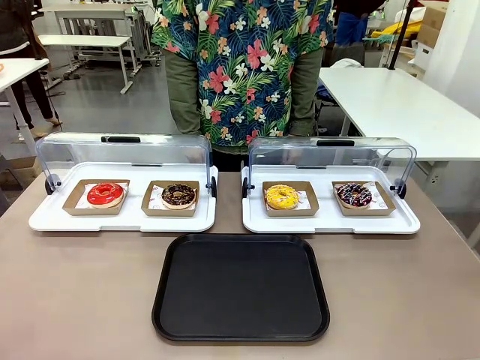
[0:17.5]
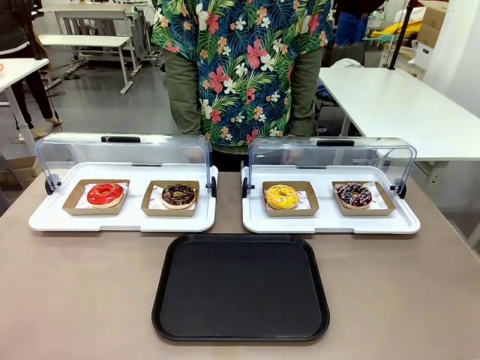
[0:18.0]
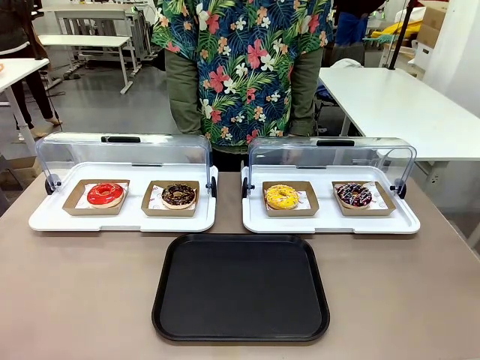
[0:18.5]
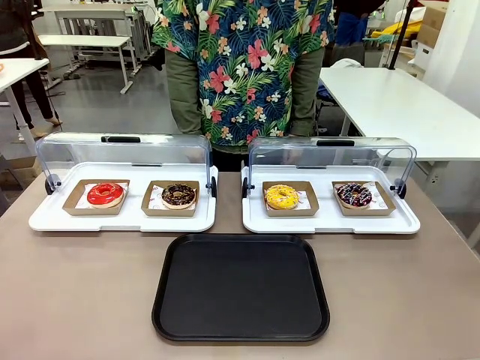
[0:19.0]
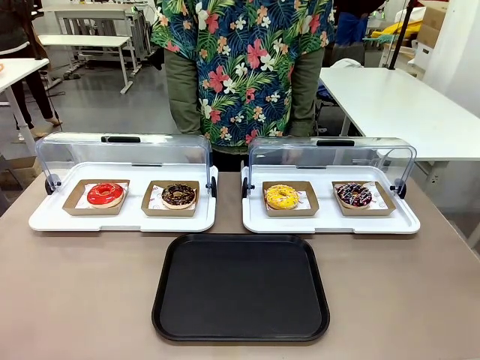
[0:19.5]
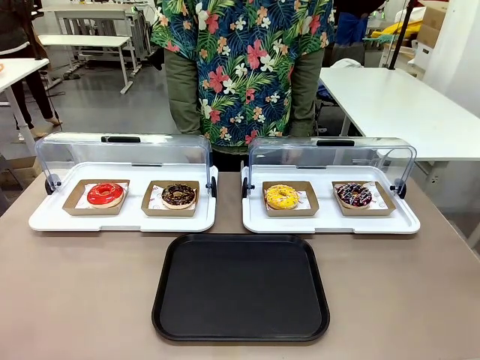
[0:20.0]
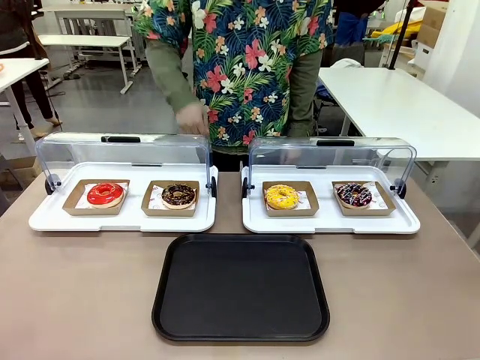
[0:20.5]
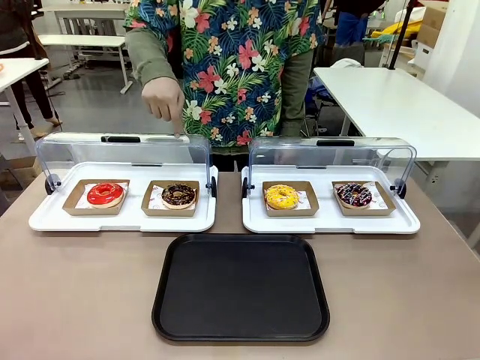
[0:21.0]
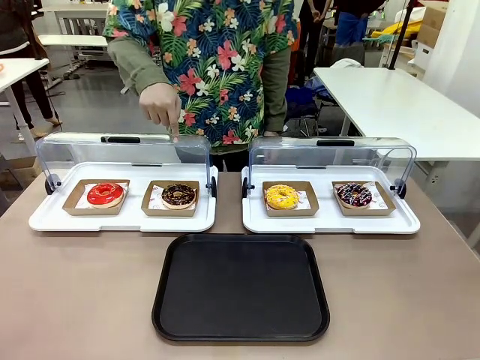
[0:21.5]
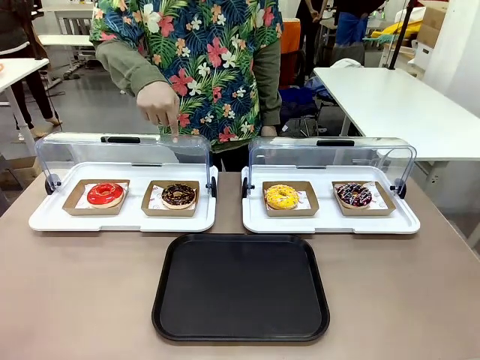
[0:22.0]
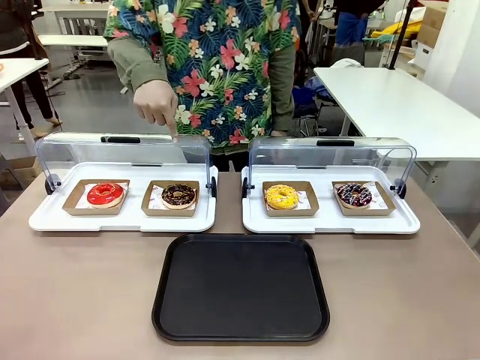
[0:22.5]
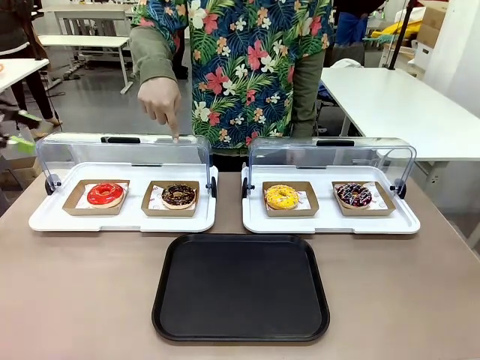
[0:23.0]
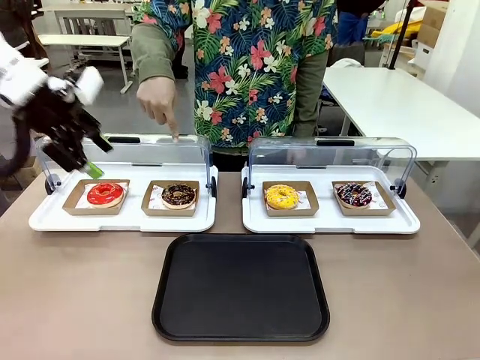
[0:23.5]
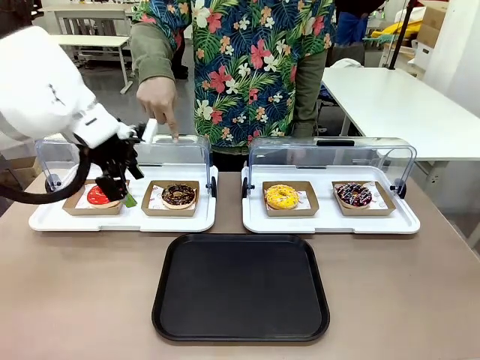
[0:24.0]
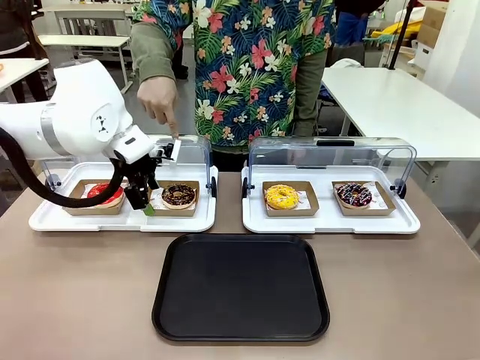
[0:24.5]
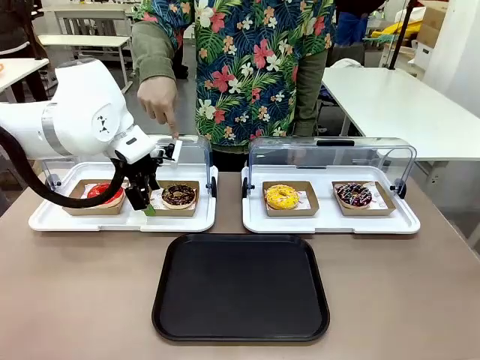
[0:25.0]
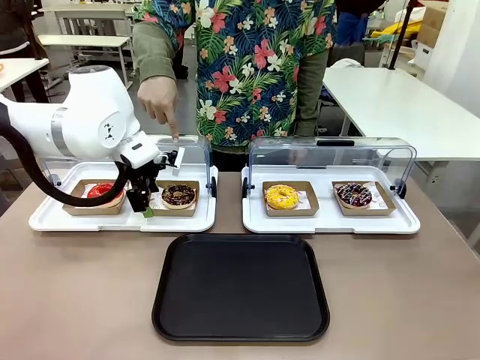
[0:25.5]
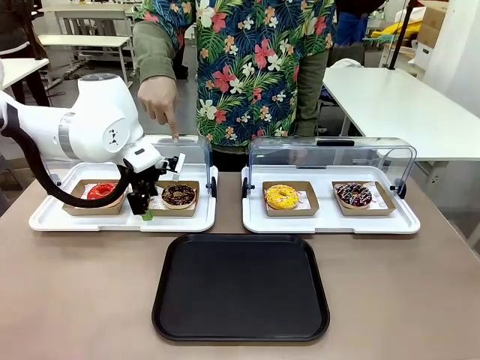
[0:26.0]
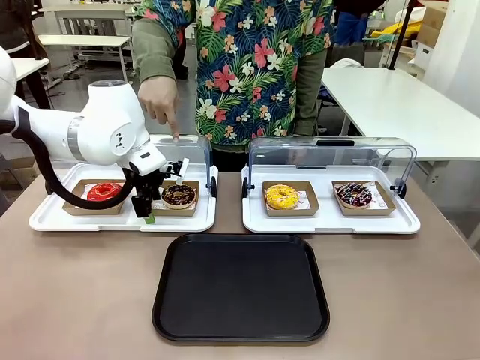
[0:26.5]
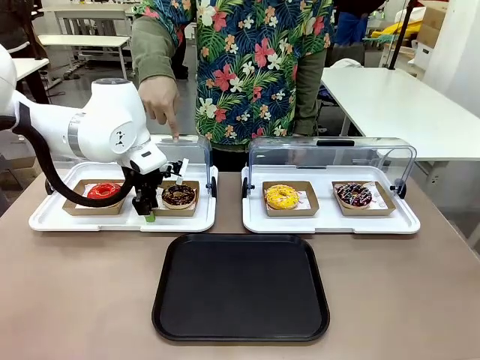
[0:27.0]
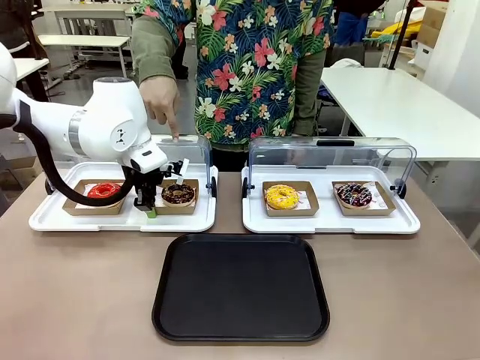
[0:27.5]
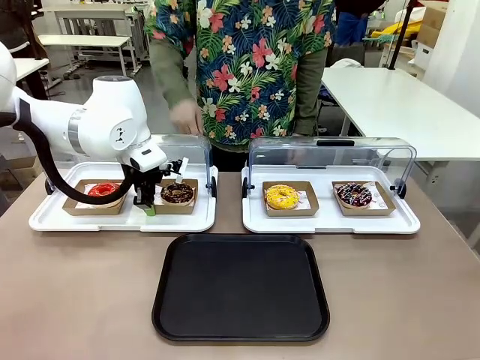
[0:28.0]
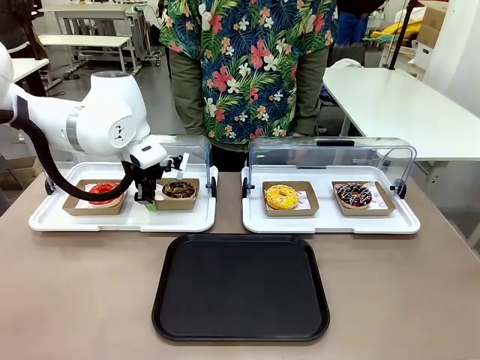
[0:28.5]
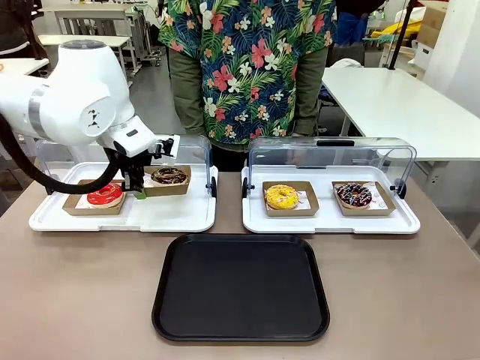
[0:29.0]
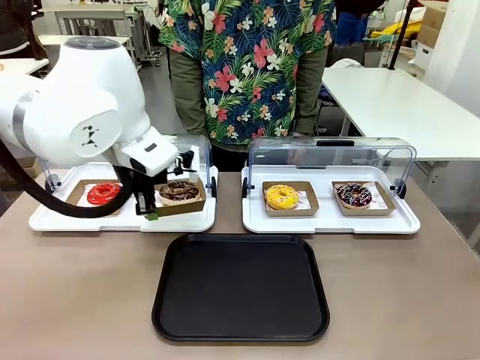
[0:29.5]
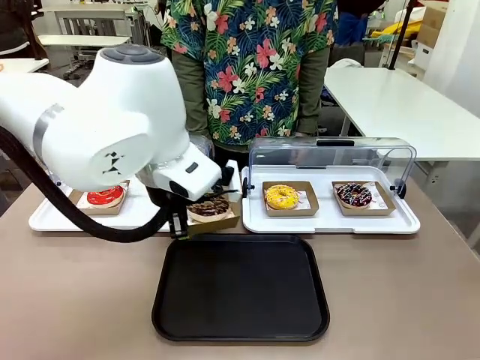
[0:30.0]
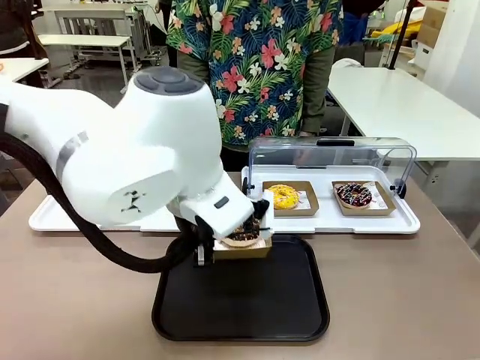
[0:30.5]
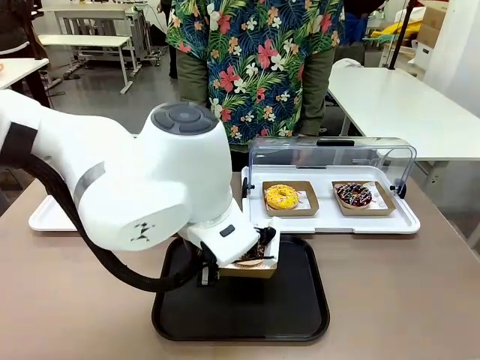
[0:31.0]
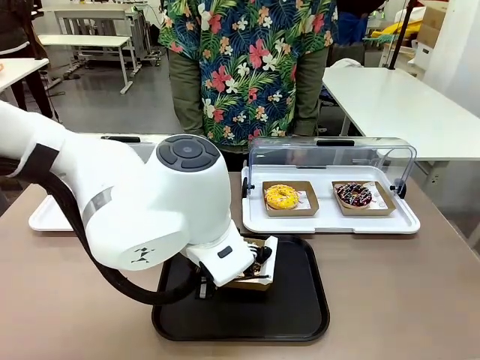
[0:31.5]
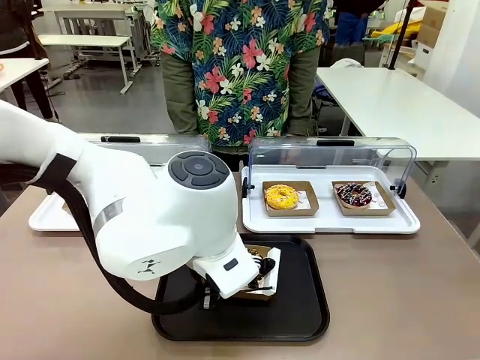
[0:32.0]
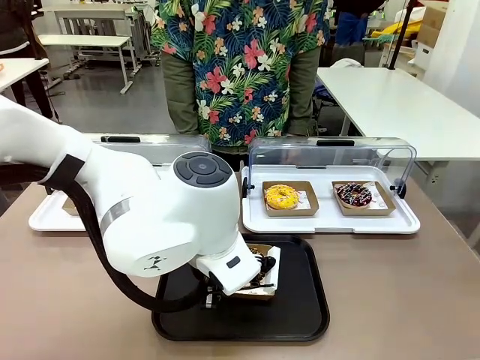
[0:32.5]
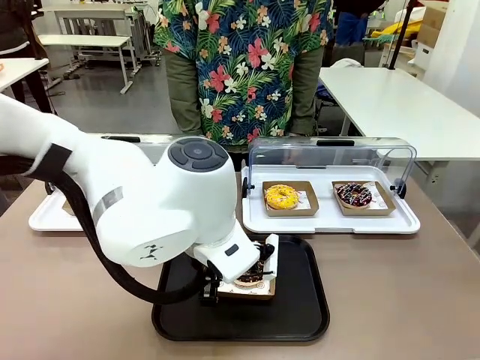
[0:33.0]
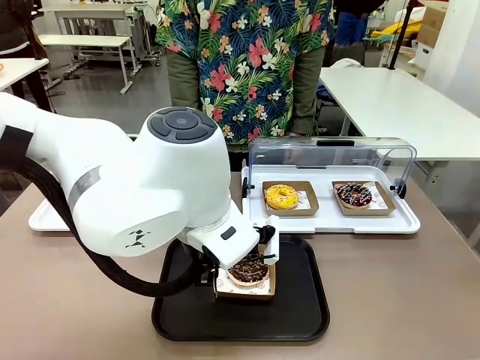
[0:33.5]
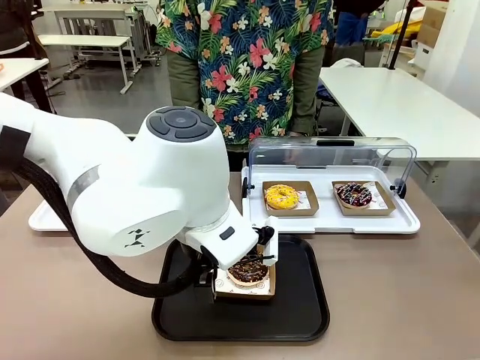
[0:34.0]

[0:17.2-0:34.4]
Task: Move the second donut from the left to the tray.
Robot: Pick up the Paper togo box containing the Donut indicated by the person and place it on the Handle tray.

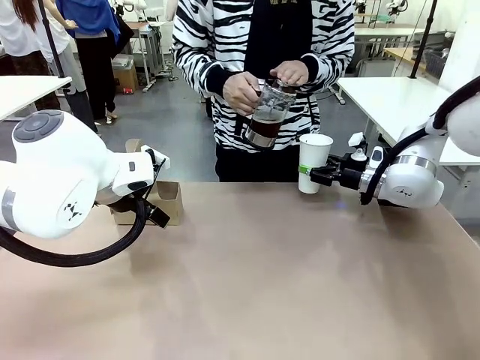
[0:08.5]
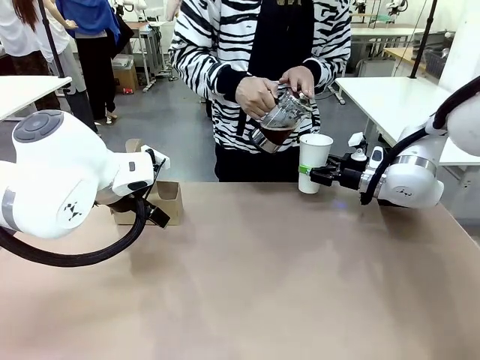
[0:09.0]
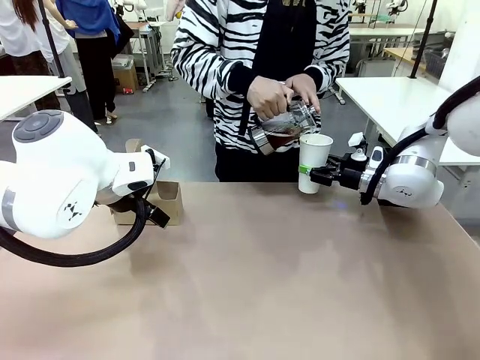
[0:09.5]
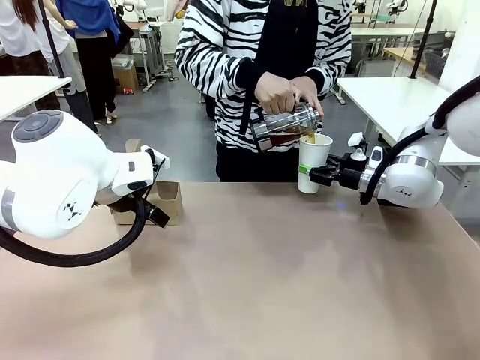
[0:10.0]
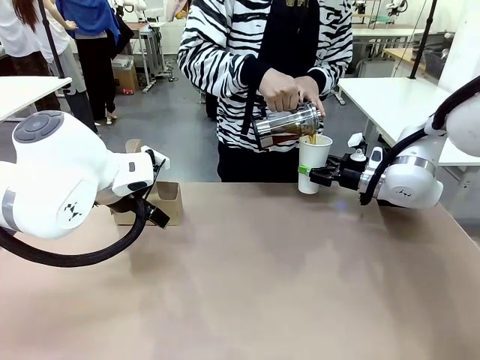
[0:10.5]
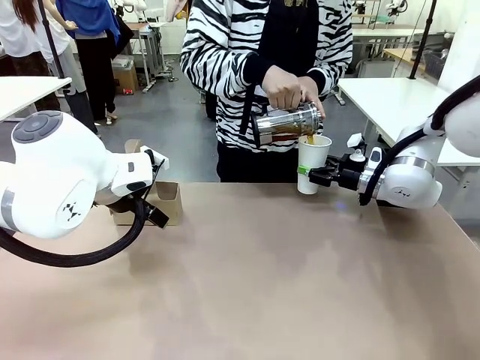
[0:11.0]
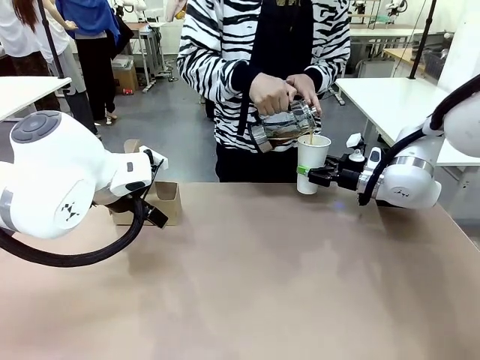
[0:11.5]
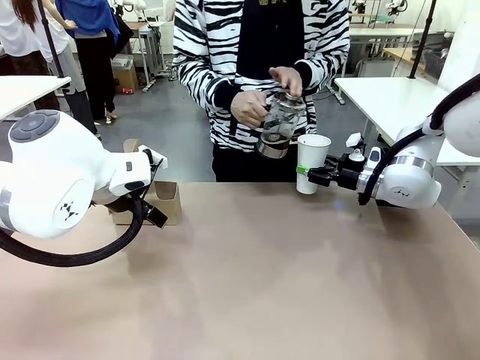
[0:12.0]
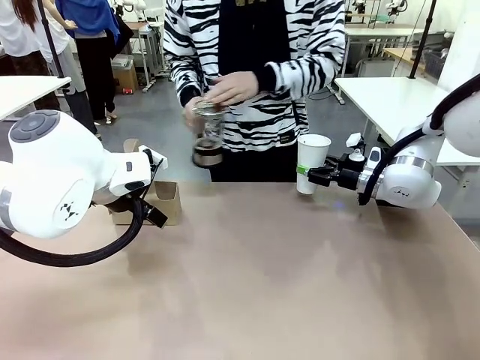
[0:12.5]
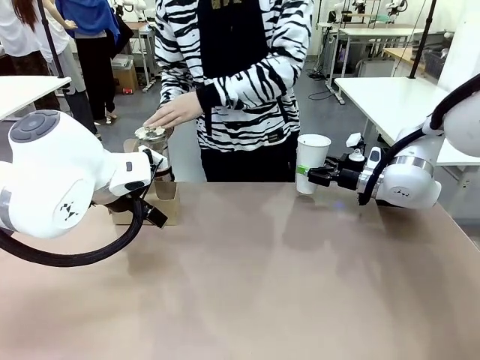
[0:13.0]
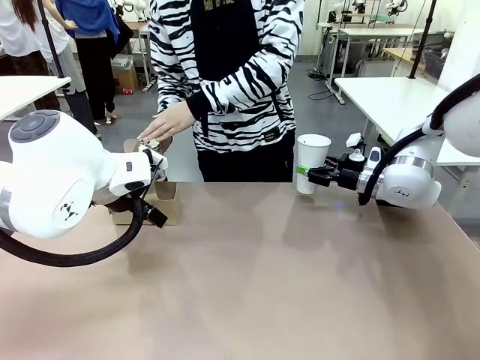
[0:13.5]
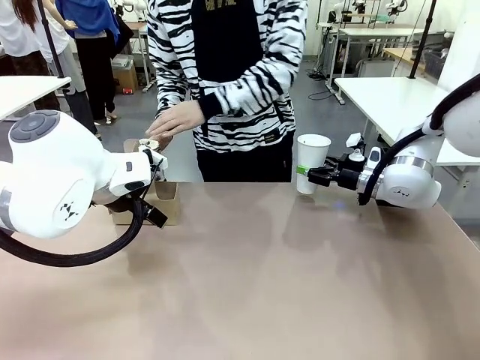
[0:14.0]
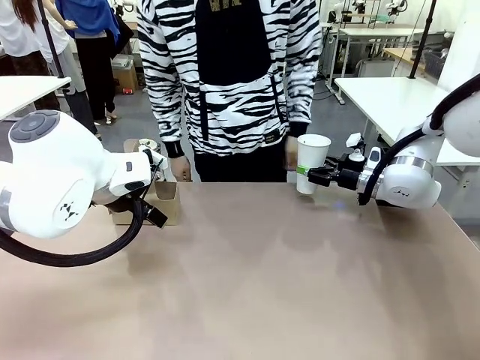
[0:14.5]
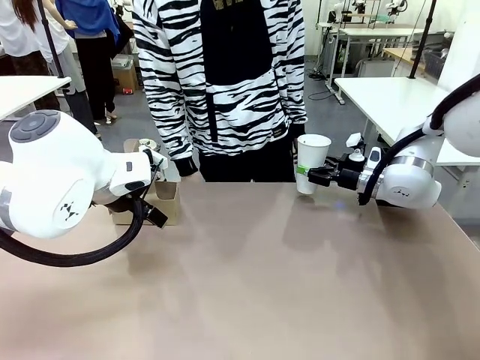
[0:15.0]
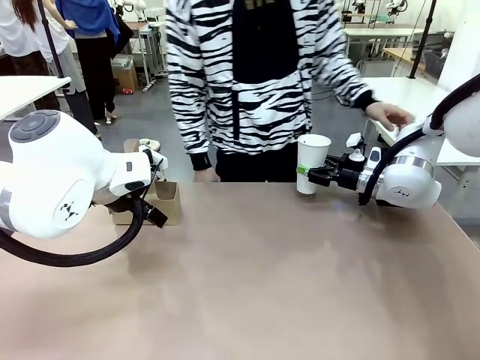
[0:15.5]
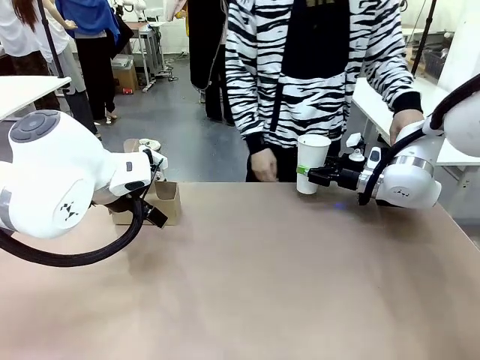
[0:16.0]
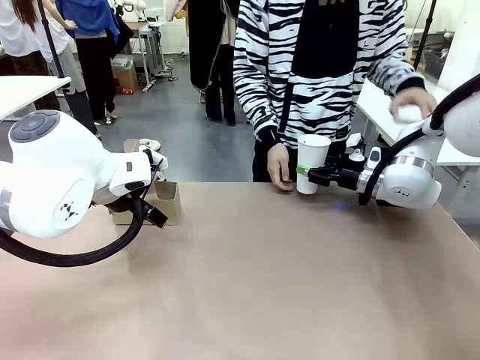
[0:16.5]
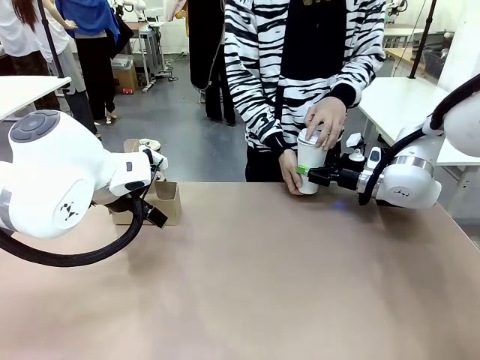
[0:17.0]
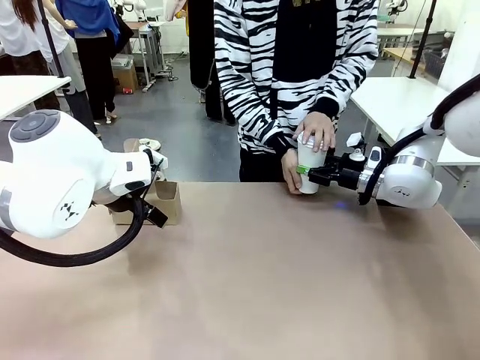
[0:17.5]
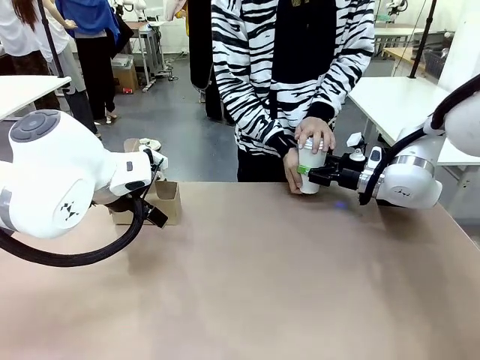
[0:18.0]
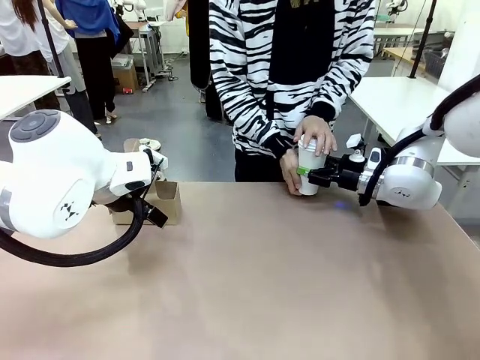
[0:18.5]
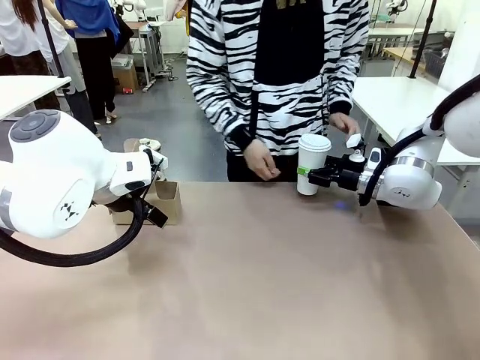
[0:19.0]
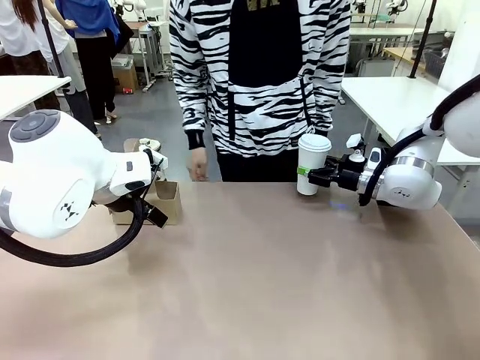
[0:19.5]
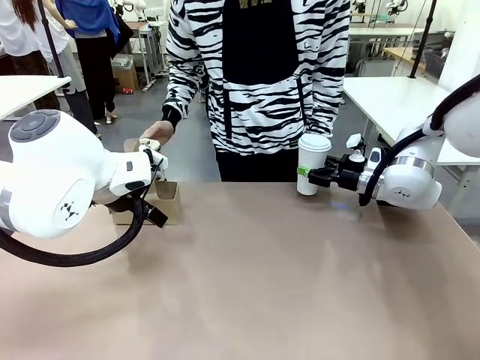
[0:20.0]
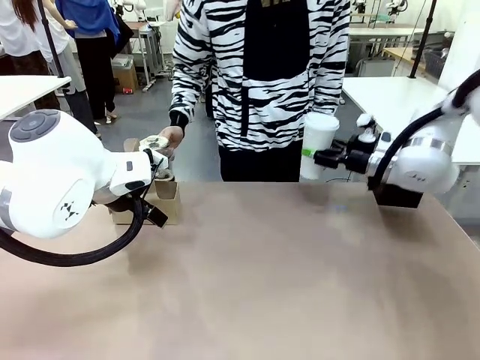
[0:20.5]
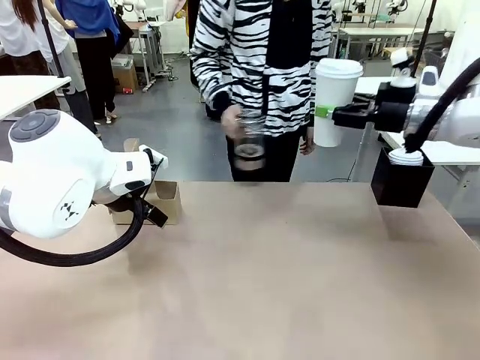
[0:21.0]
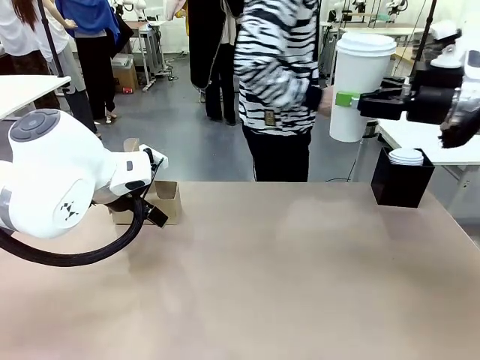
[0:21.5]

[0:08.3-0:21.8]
Task: Pour a drink into a cup and package it in a carrier.
Robot: When a person places the Paper Cup Lid on the 600 ml Paper Cup , lift the 600 ml Paper Cup.
Person: Pour the drink from the Filter Brewing into the 600 ml Paper Cup. Place a Paper Cup Lid on the 600 ml Paper Cup.
